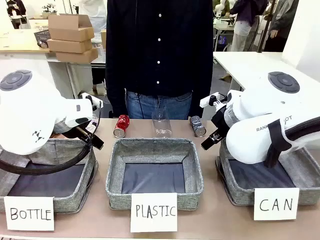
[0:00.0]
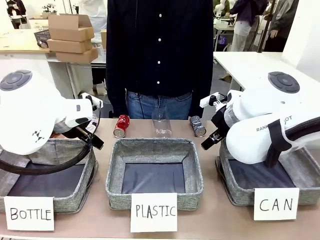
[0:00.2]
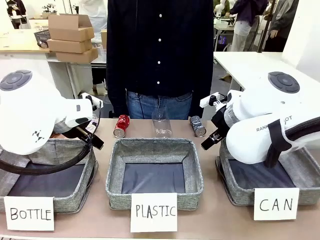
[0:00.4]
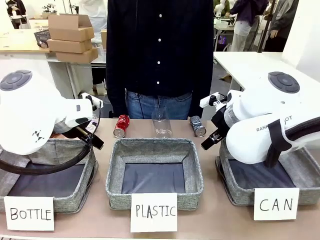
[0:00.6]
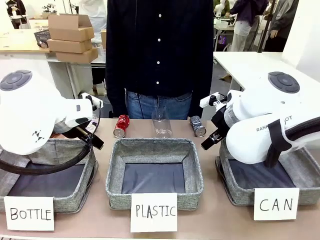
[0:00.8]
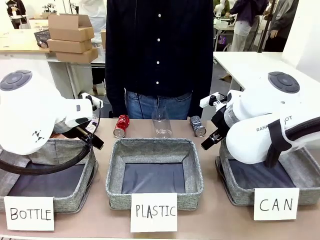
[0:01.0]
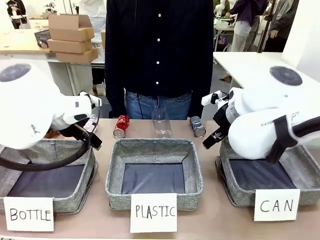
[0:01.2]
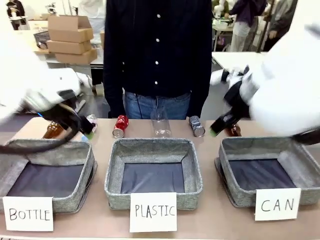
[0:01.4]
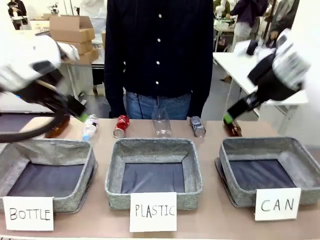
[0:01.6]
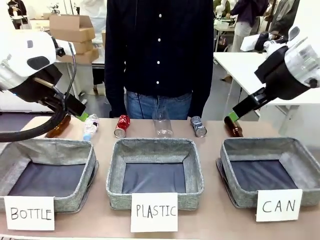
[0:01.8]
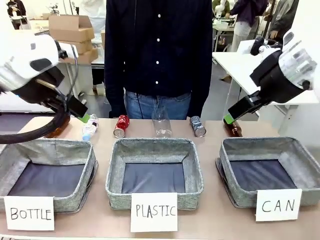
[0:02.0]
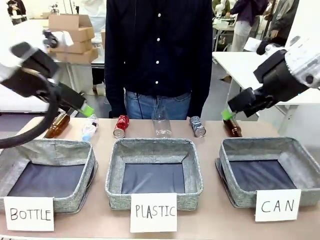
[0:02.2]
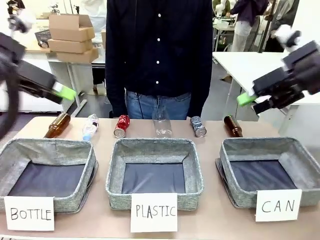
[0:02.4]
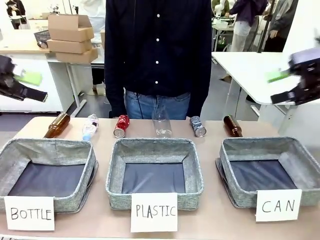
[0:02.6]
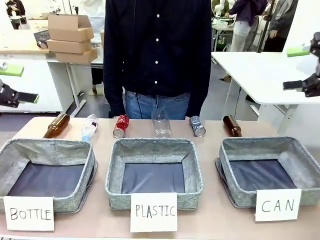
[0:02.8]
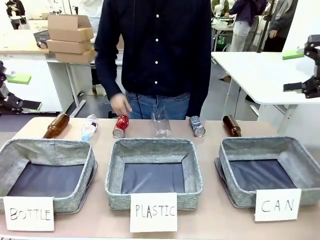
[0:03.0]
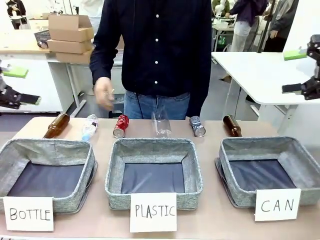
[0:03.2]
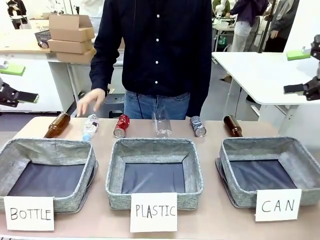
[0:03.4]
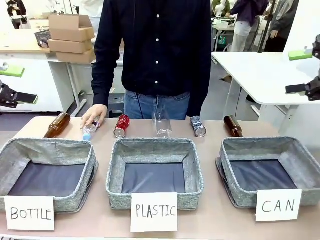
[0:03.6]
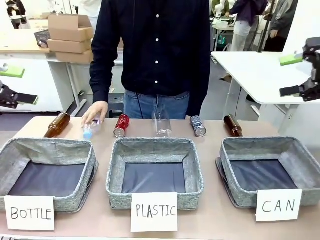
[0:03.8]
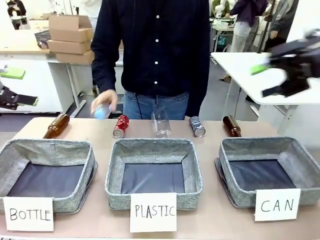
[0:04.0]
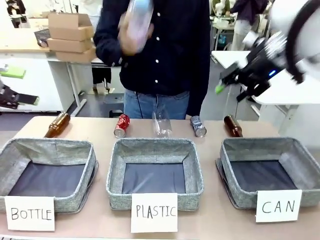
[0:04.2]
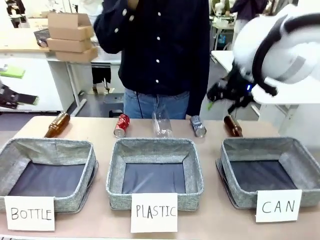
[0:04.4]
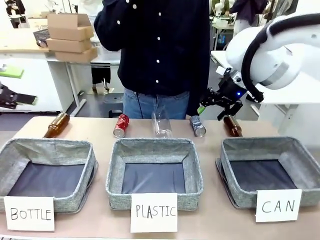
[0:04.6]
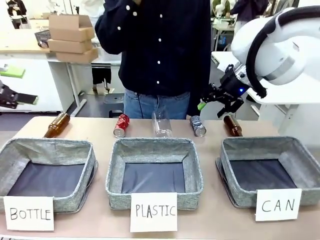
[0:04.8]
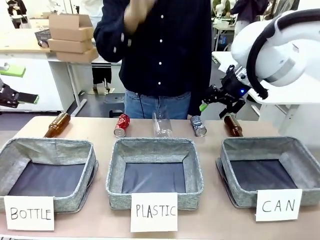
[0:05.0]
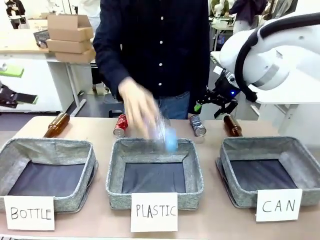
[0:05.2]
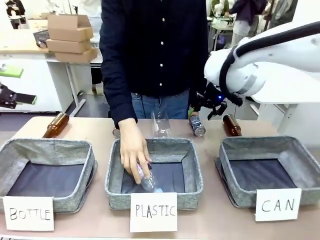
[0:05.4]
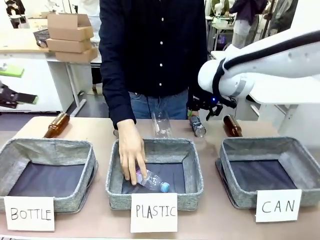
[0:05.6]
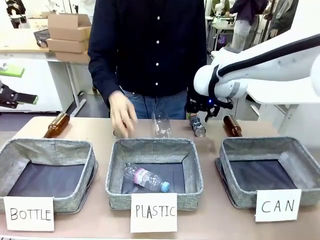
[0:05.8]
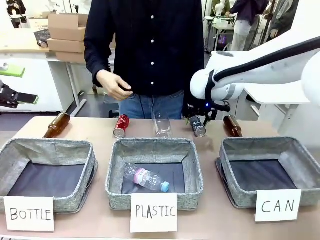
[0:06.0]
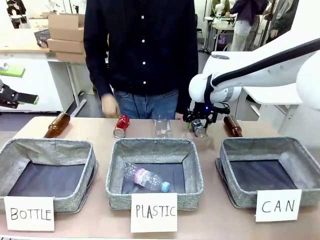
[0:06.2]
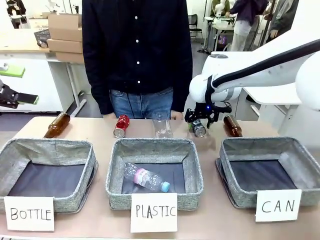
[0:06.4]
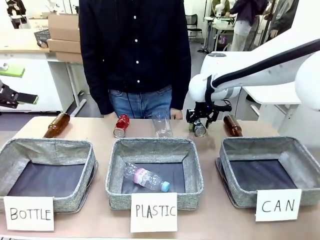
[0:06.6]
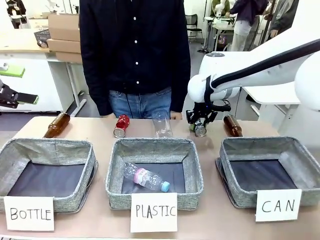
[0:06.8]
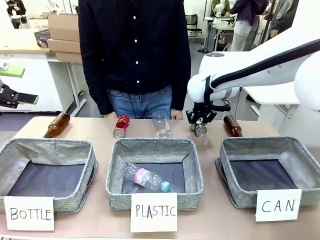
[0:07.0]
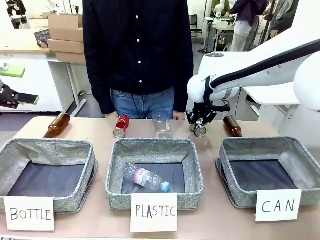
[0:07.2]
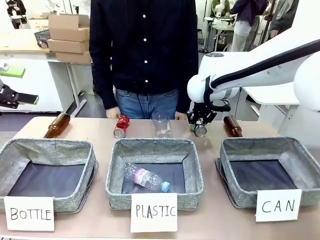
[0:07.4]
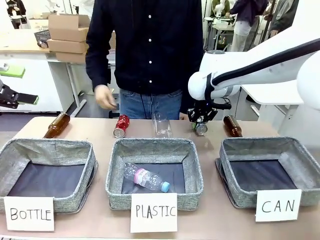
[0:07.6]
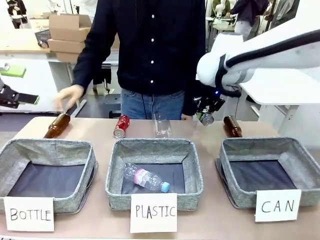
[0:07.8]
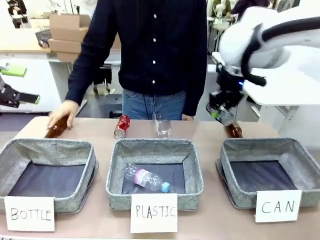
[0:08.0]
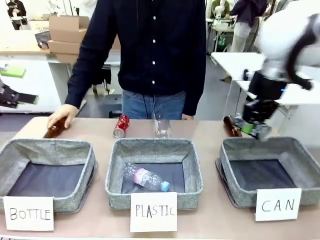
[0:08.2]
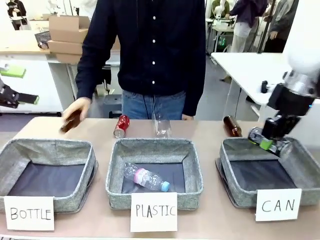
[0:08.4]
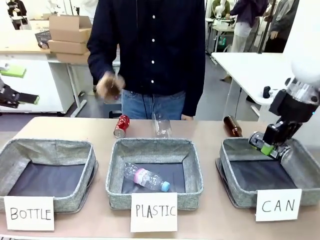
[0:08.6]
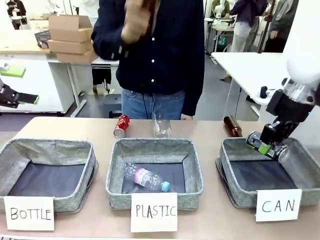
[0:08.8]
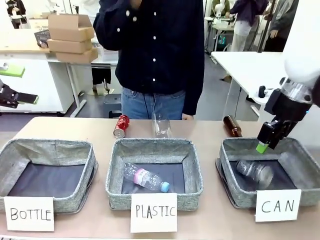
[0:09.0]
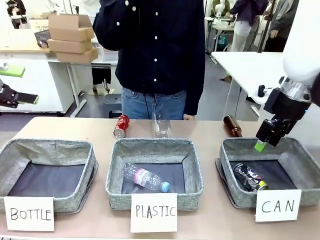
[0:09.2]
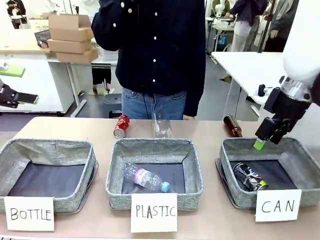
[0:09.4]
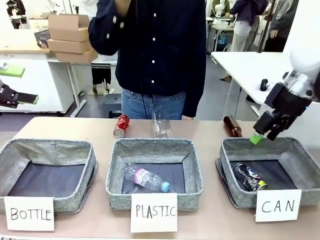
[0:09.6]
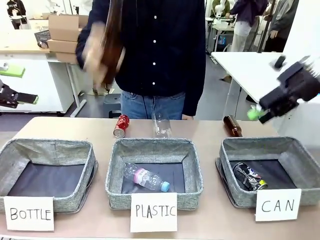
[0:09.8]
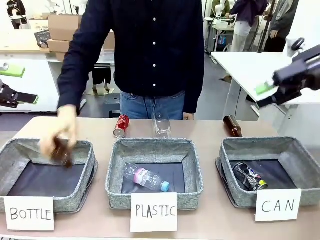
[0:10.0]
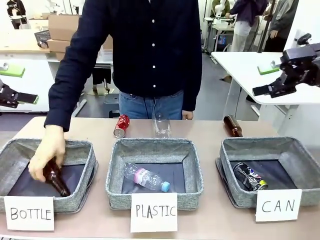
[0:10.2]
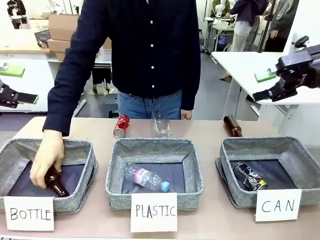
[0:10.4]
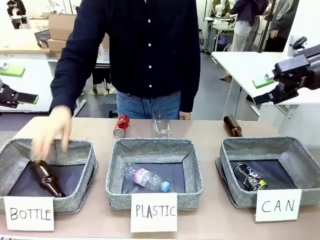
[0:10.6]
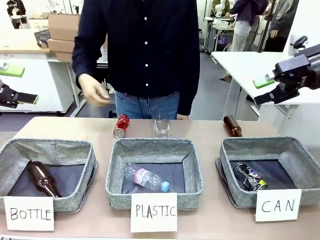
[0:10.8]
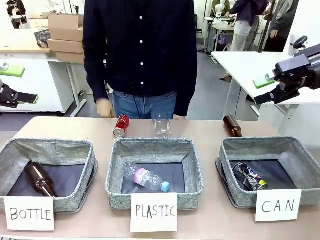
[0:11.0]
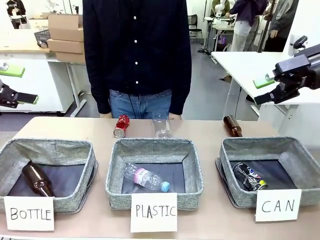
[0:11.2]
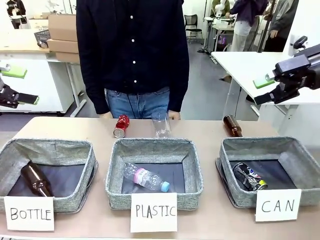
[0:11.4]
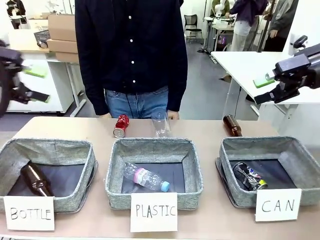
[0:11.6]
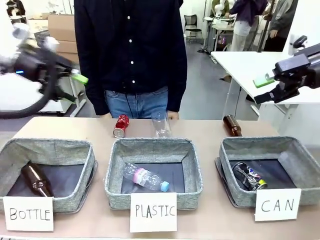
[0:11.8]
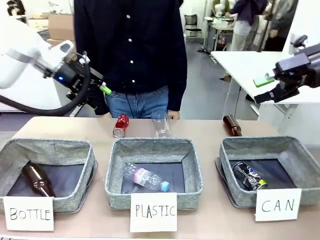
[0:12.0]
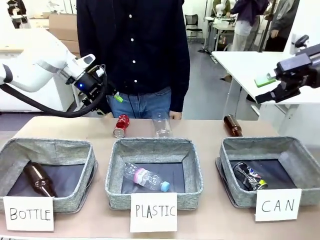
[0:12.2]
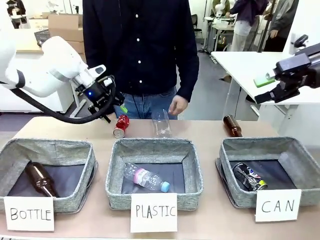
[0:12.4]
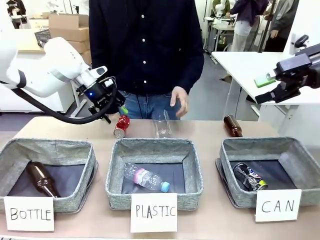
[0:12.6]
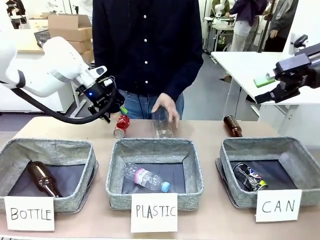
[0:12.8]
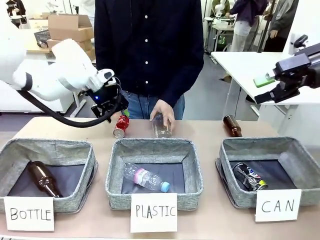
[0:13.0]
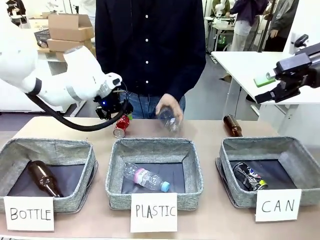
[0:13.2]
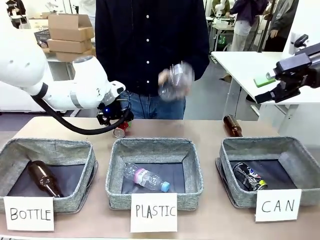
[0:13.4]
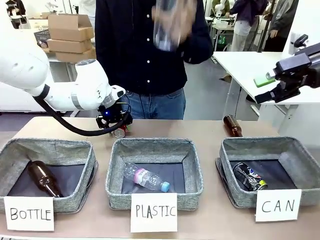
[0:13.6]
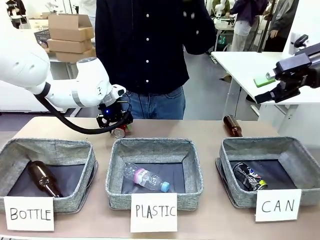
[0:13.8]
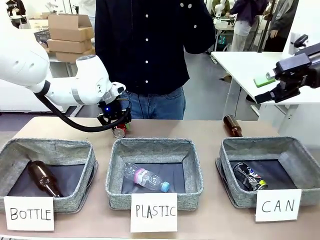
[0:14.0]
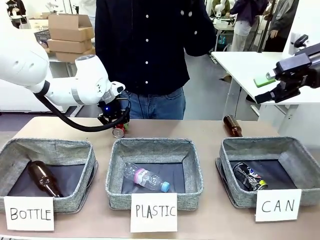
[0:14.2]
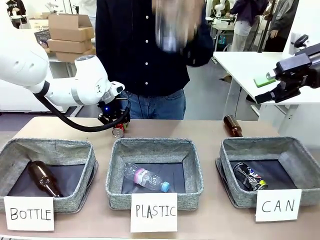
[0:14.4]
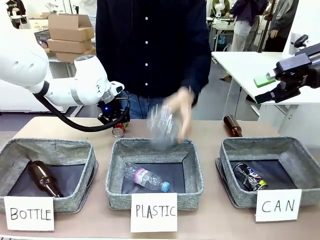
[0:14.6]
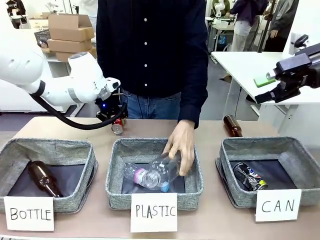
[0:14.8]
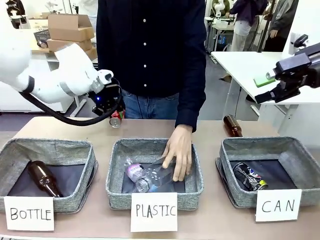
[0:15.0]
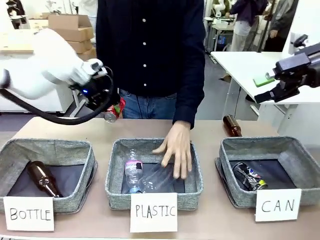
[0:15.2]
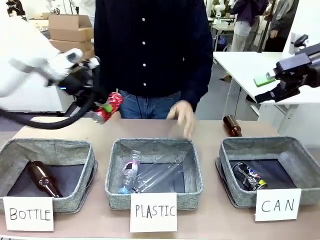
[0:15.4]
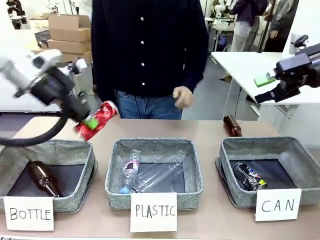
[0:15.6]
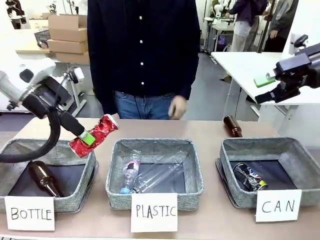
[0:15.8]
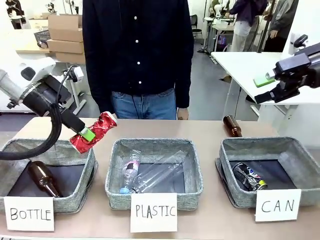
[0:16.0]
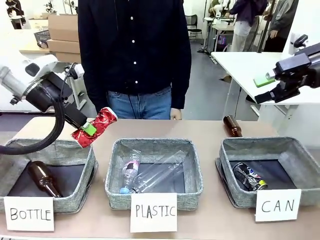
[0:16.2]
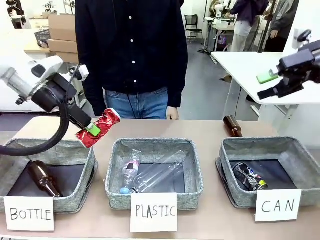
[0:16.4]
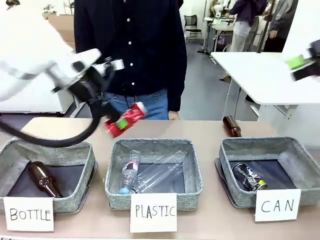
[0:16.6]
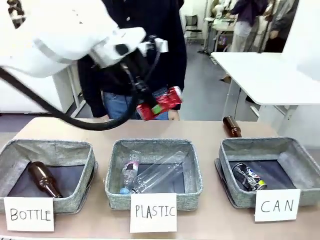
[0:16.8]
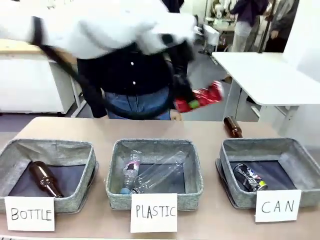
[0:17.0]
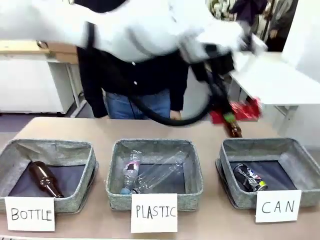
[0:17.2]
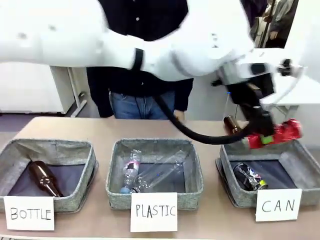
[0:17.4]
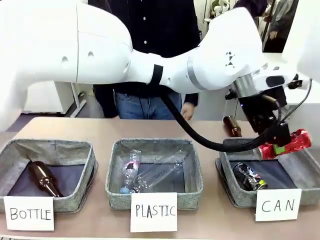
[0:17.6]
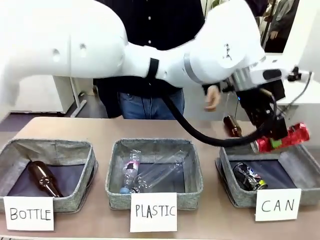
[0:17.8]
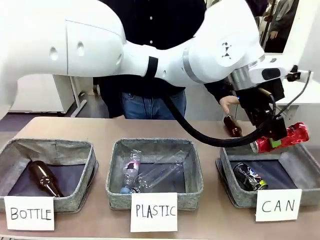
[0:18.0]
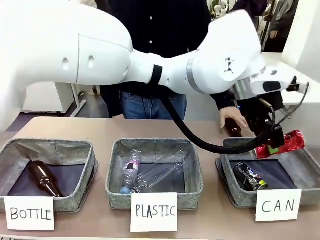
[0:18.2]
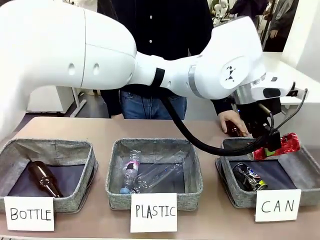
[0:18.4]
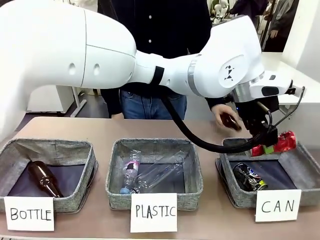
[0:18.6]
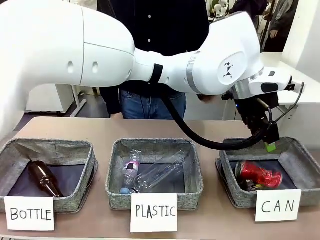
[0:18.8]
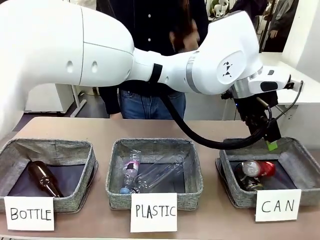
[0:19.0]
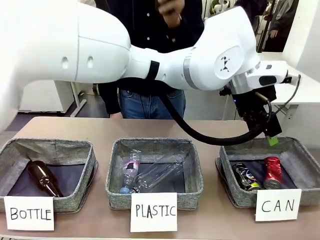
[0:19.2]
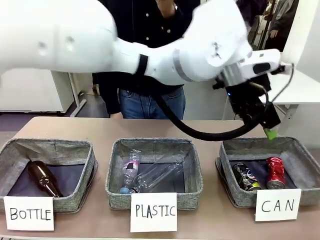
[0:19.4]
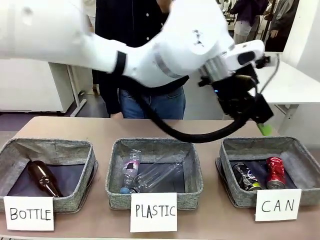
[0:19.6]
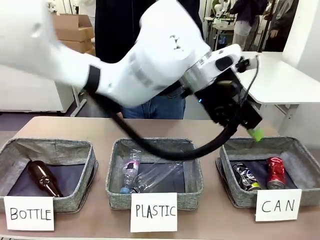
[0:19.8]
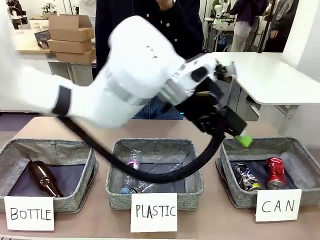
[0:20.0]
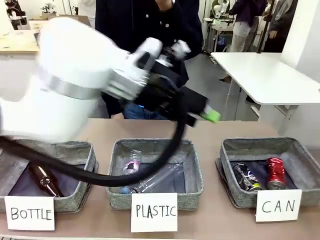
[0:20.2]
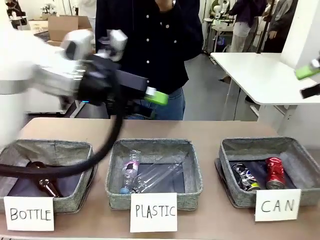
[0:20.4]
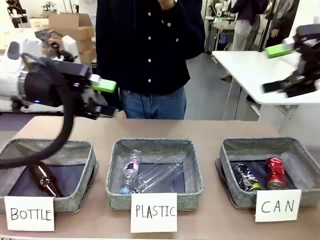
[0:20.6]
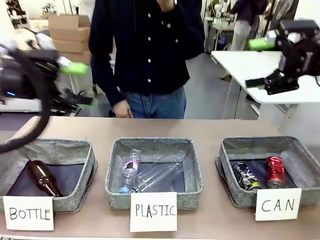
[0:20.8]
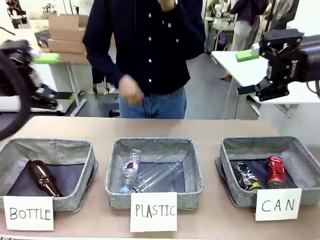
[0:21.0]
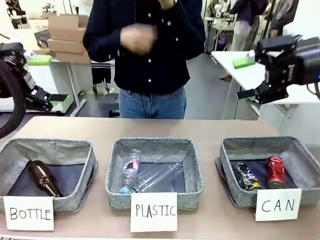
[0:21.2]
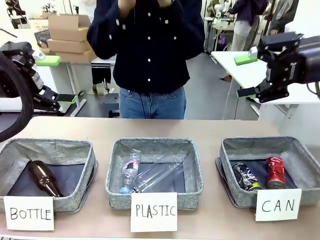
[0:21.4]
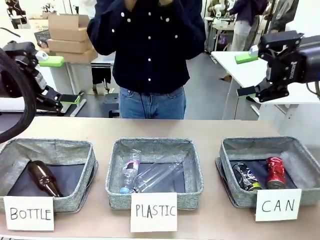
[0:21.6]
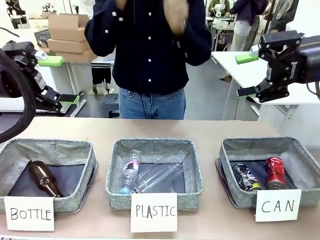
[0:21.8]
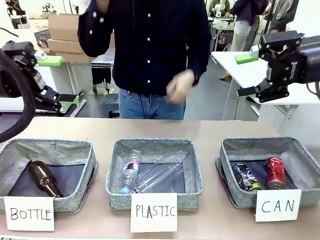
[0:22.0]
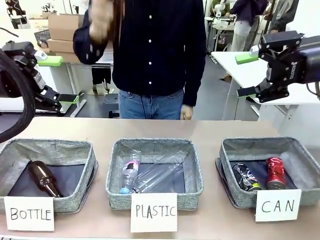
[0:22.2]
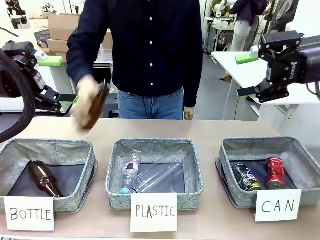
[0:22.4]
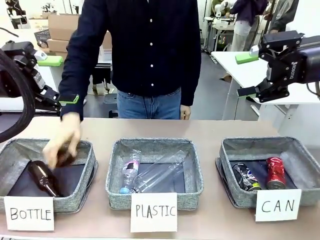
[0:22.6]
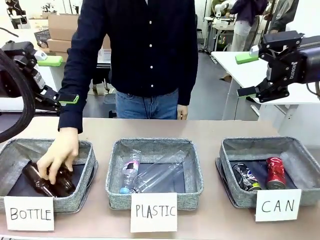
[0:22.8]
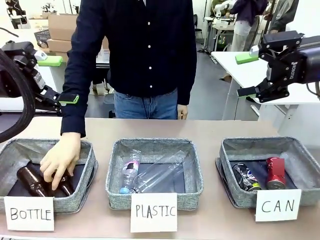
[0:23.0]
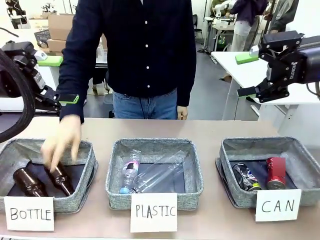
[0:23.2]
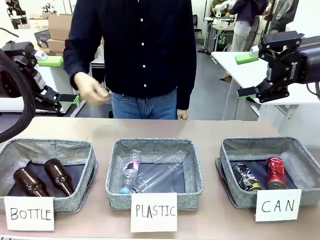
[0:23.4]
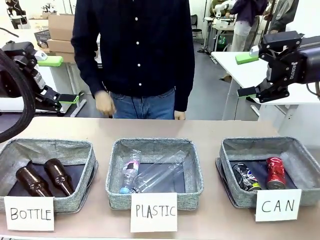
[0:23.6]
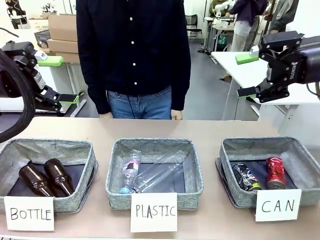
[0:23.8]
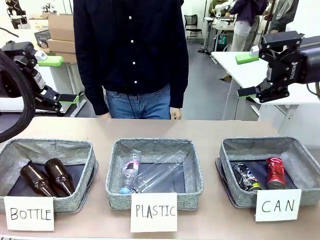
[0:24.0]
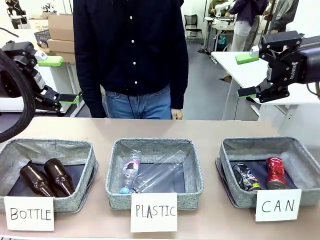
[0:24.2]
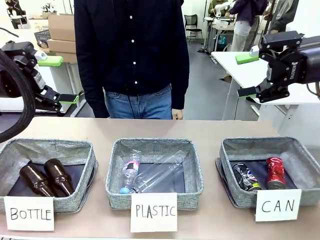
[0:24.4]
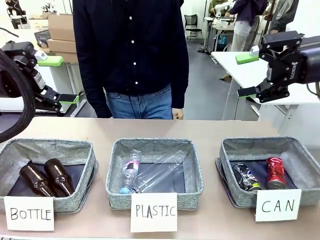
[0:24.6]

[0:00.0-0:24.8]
Task: Sort the can waste into the basket.
Robot: Pick up the can waste from the table and place it in the right Fabric basket.
Person: The human picks up one piece of trash that is not a can and places the trash into the appropriate organizing basket.
